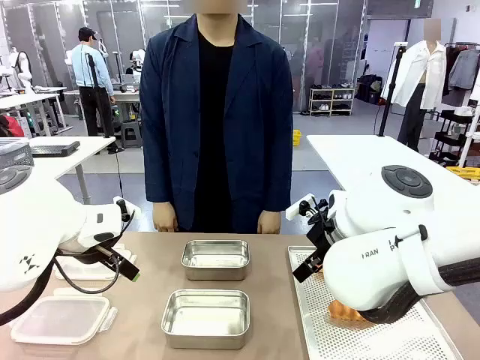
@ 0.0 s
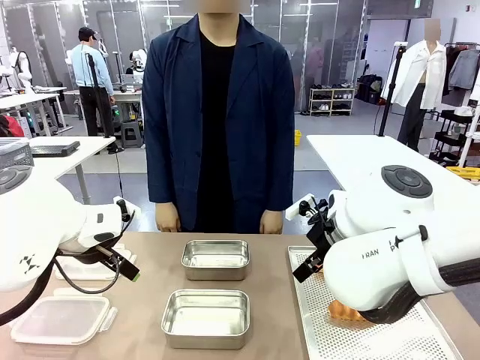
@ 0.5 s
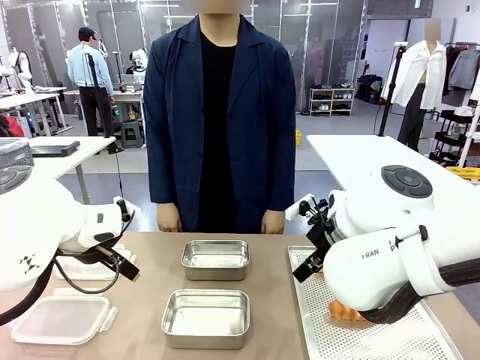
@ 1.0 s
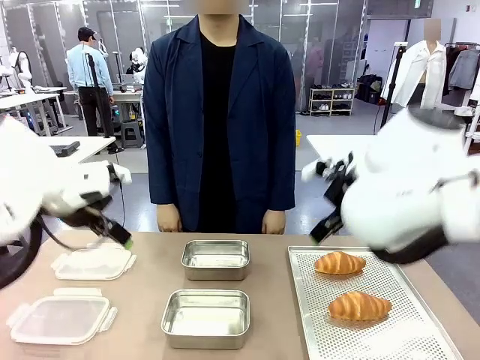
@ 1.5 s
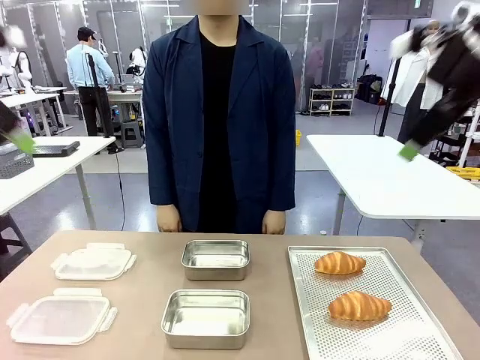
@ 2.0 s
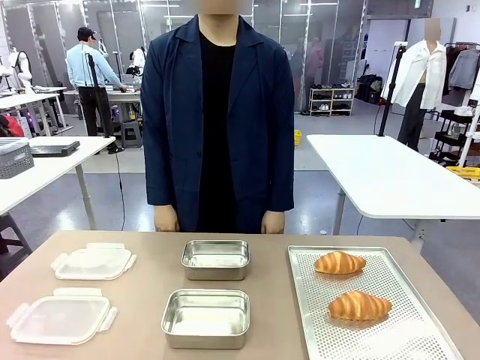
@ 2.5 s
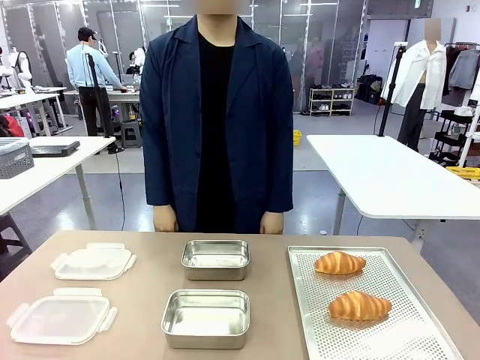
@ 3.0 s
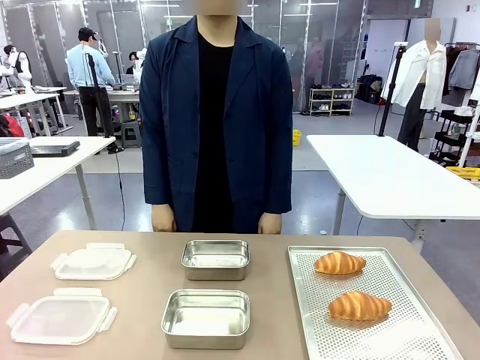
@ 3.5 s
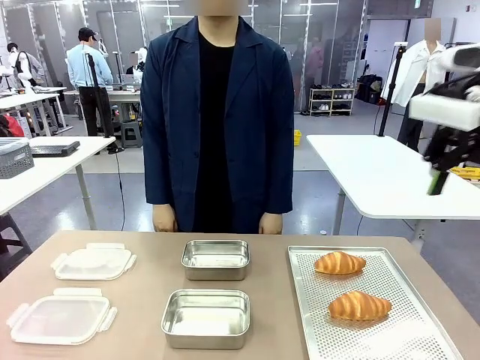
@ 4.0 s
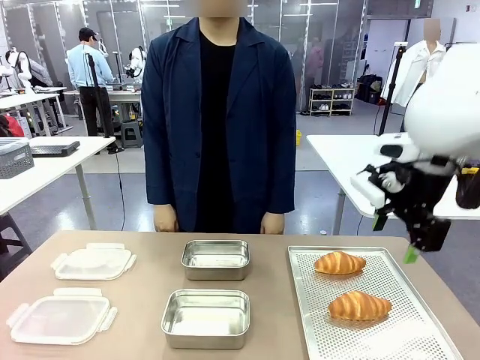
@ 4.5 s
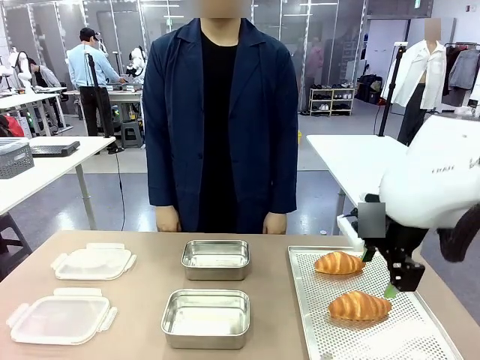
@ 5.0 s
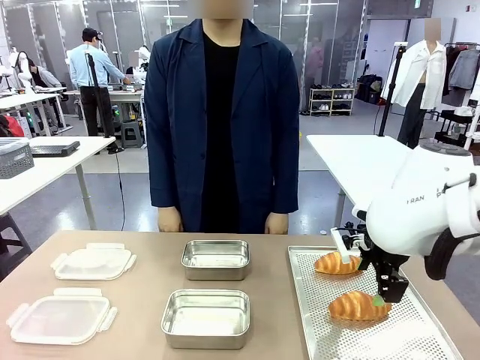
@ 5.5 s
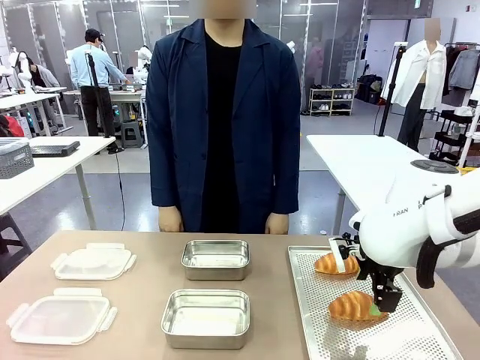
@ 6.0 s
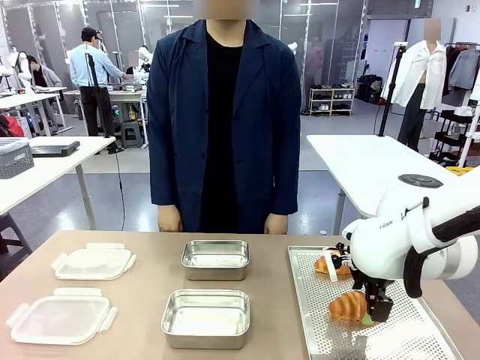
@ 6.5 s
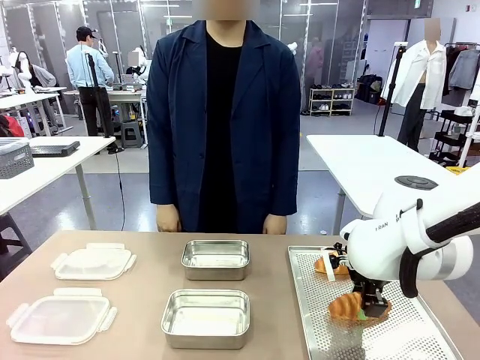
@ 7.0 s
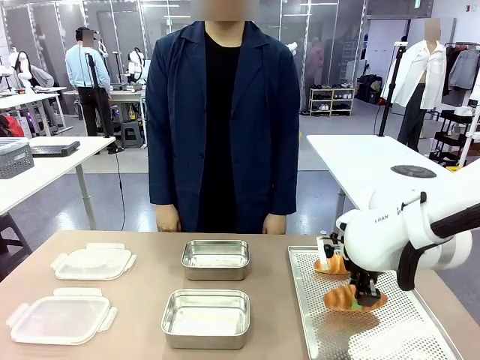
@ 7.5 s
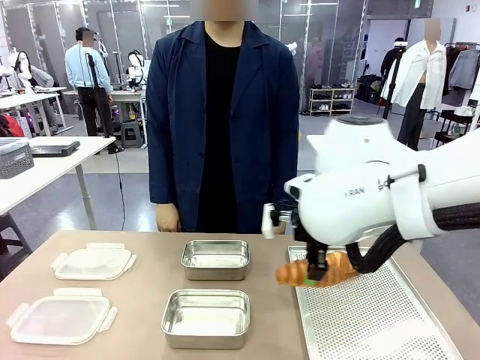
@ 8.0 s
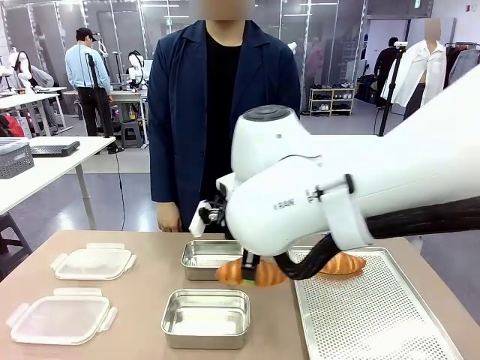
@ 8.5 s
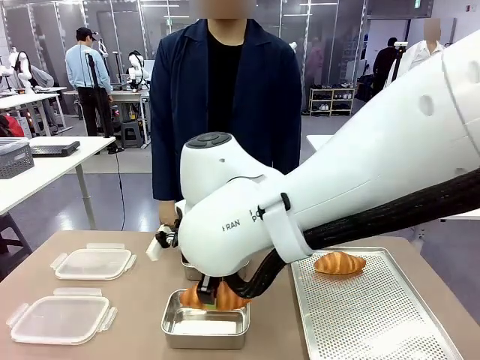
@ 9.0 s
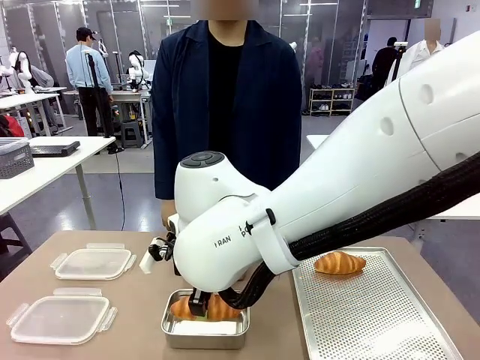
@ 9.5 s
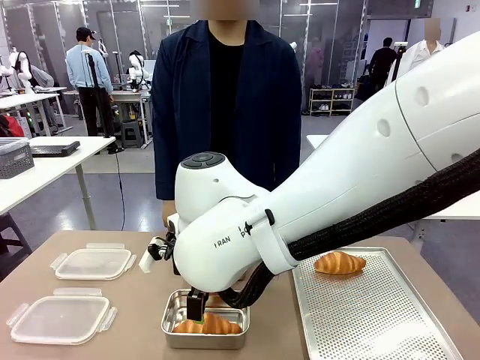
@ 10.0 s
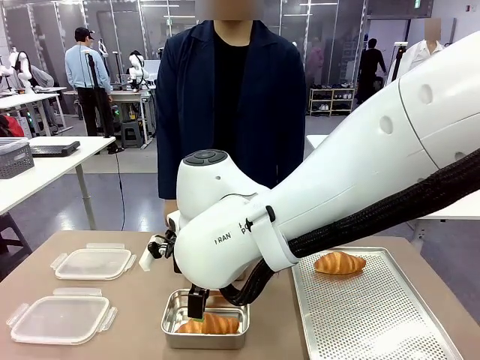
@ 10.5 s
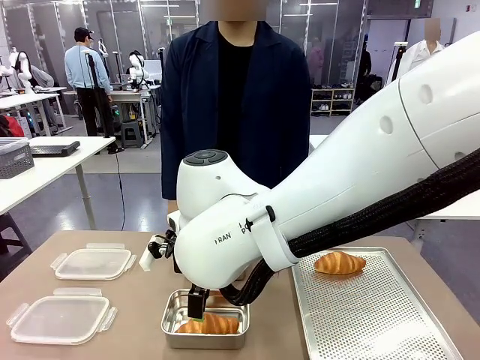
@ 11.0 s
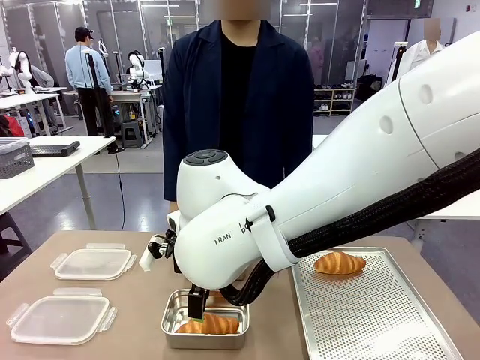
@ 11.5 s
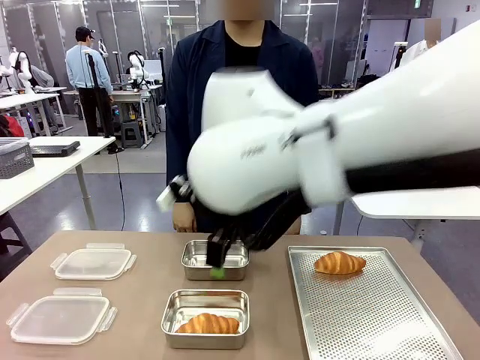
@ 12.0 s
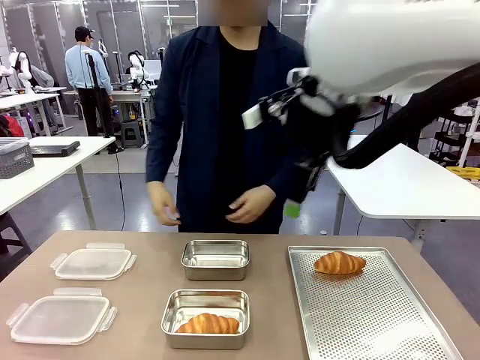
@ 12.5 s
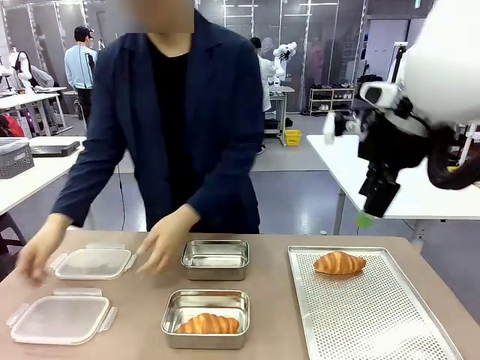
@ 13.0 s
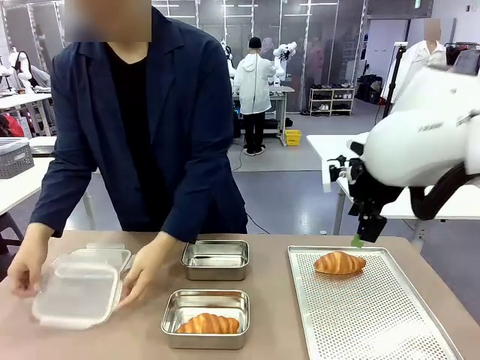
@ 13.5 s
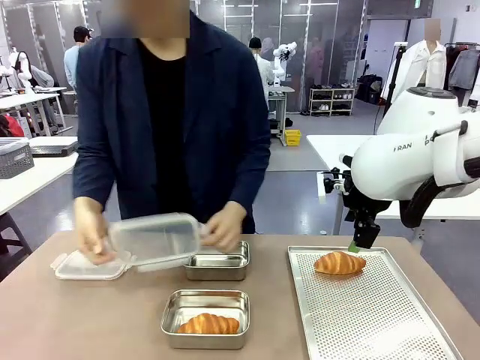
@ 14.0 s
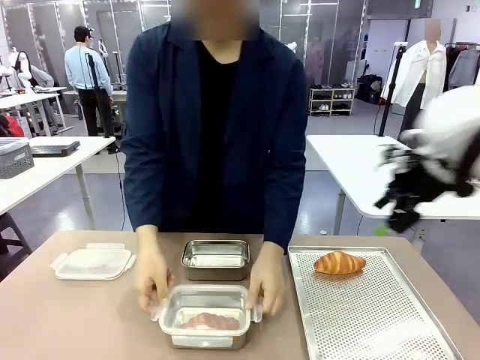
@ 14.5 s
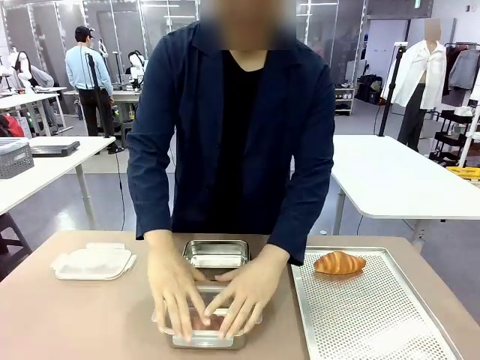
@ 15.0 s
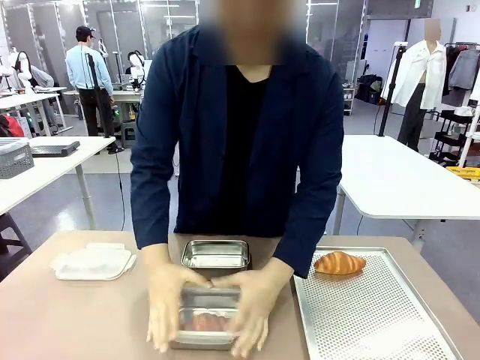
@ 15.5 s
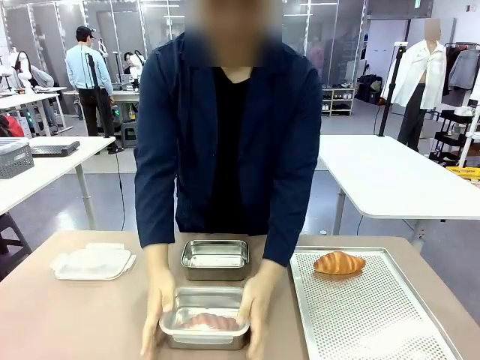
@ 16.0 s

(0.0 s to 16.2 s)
Task: Place the bread into the airtight container.
Robot: Pick up a Butter Roll and place it into an empty Airtight Container.

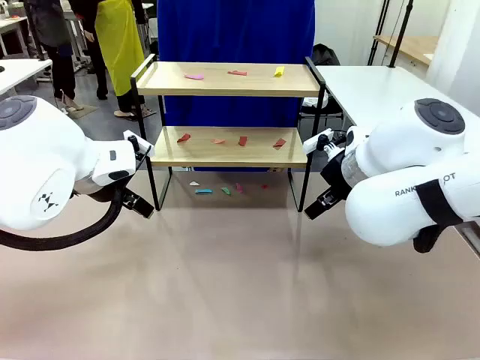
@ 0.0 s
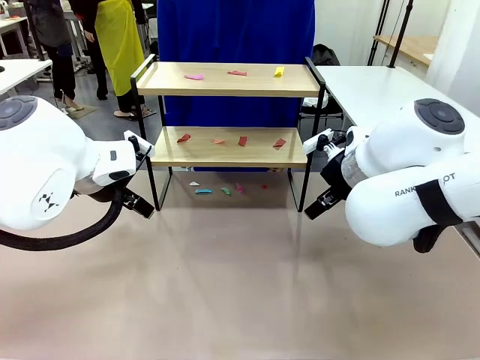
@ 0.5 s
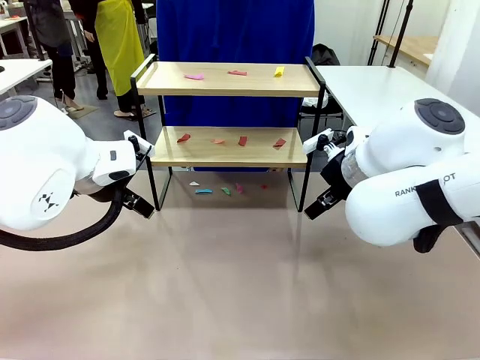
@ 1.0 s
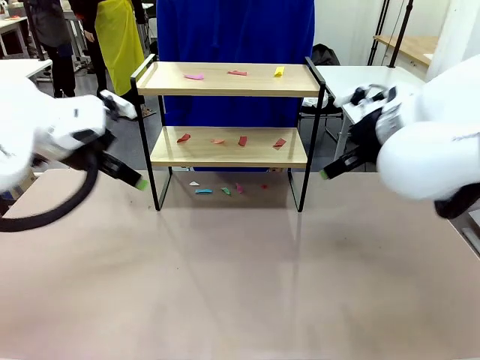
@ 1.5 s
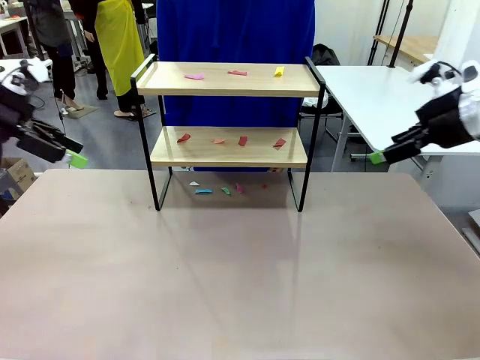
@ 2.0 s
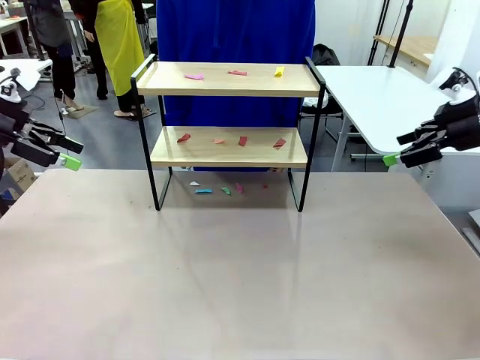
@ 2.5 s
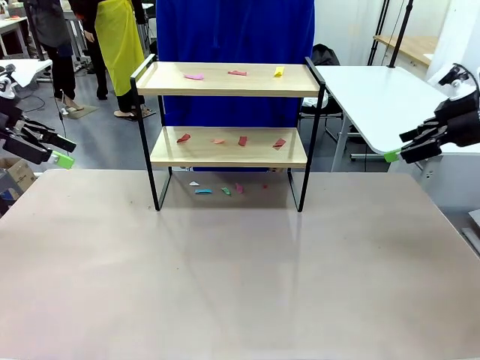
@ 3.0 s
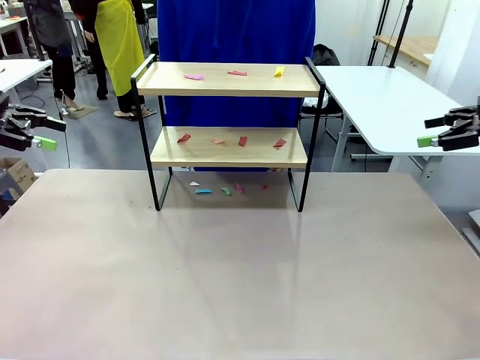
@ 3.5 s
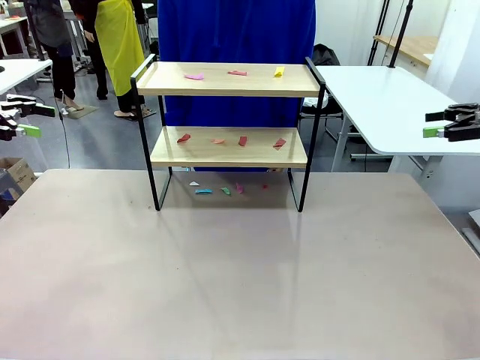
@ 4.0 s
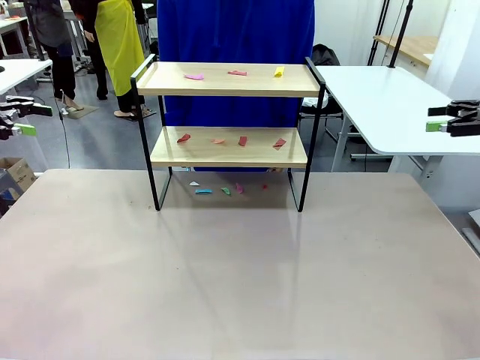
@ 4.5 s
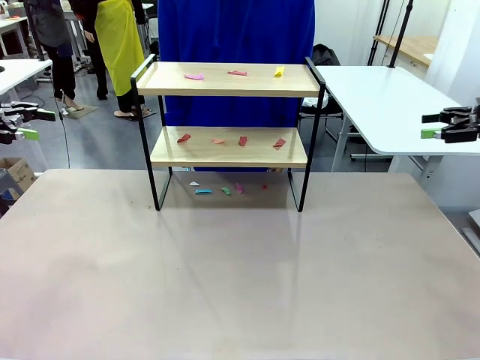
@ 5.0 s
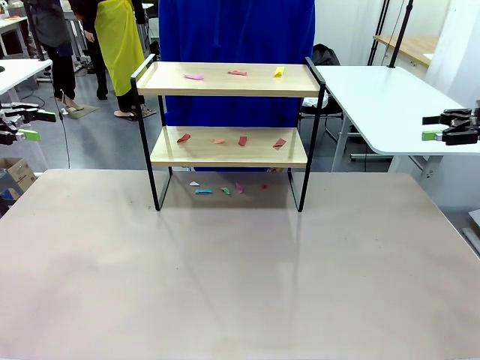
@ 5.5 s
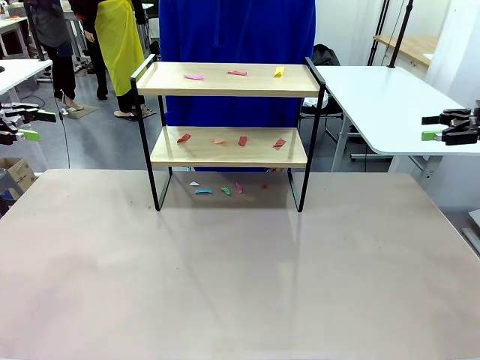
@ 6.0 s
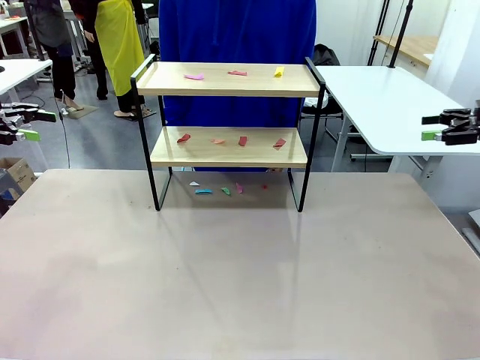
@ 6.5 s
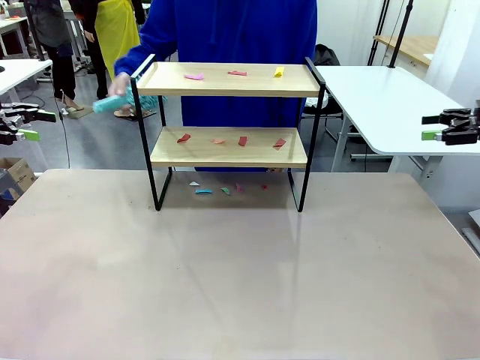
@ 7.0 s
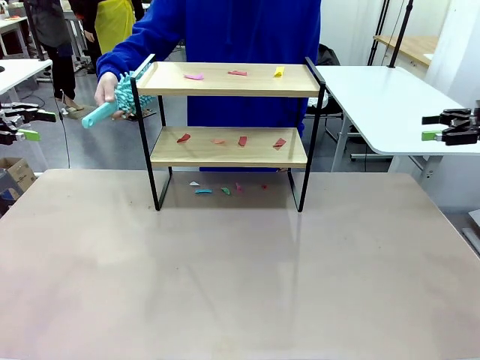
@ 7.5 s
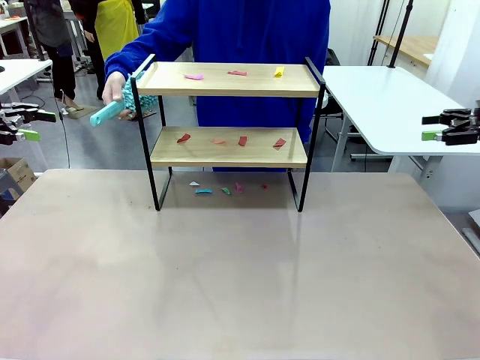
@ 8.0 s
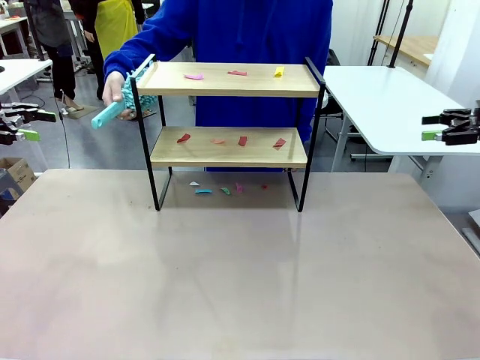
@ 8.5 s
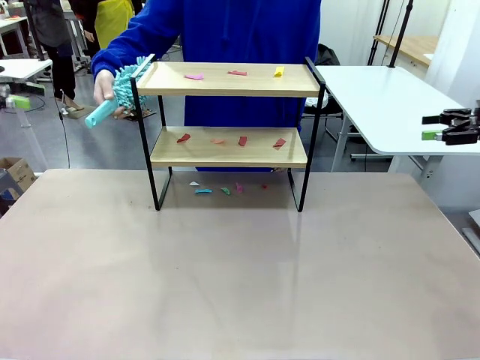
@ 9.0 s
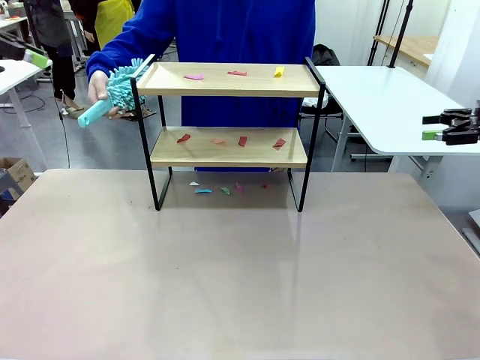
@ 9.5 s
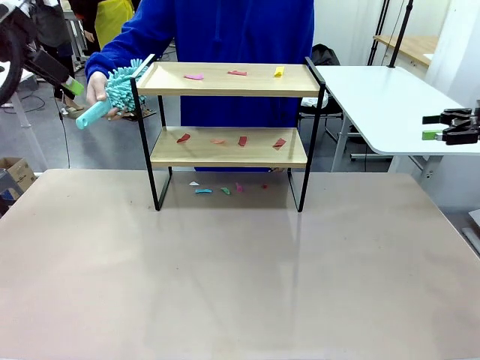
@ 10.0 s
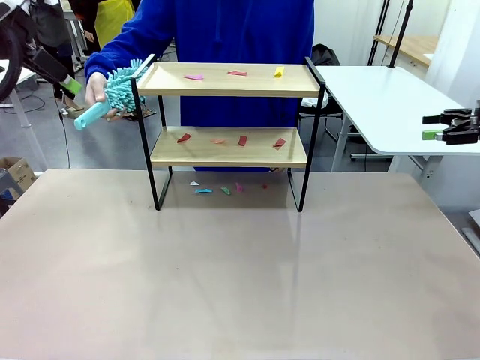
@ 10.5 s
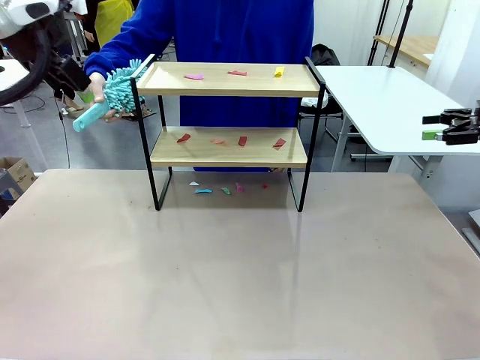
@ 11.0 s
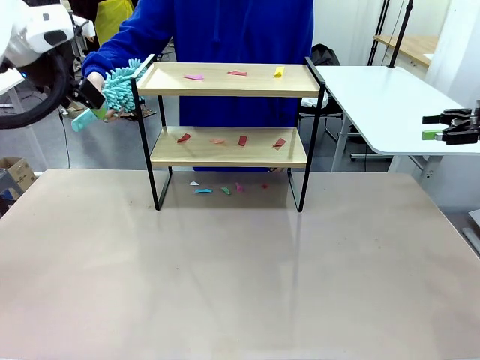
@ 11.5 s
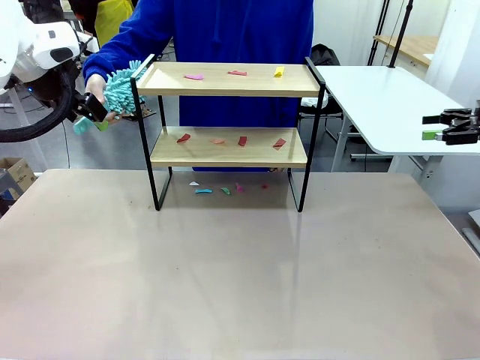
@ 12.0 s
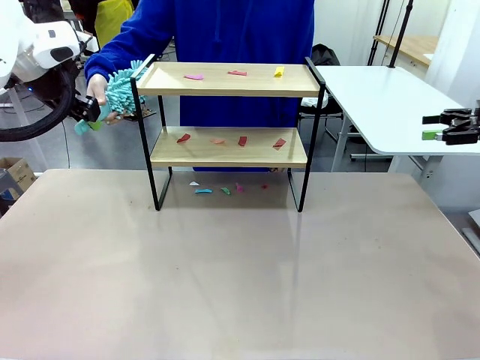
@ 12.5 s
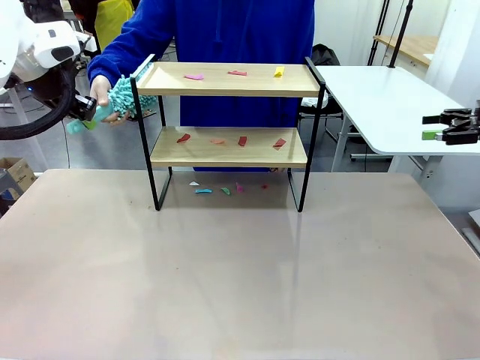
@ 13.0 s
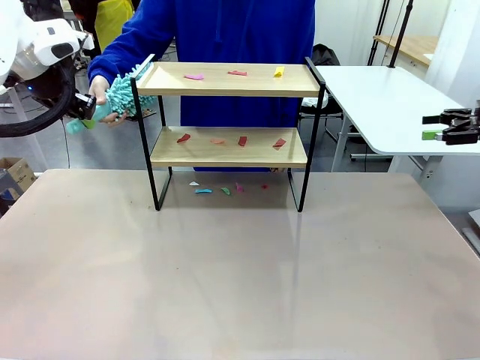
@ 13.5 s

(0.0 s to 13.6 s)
Task: Clean the shelf.
Robot: Pick up the Duster handed by the human.
Person: Hand the Duster to the robot.
